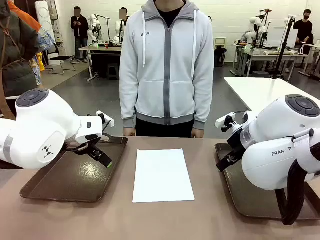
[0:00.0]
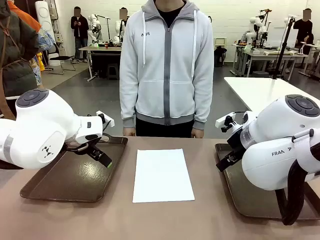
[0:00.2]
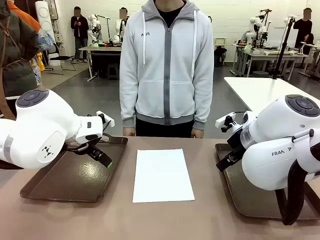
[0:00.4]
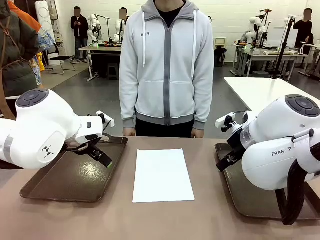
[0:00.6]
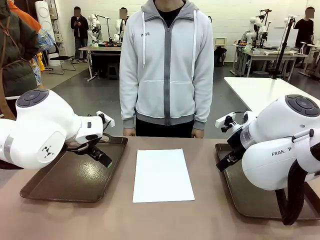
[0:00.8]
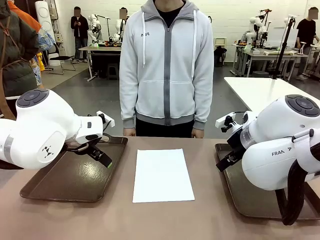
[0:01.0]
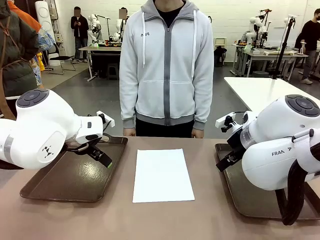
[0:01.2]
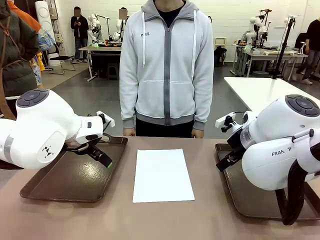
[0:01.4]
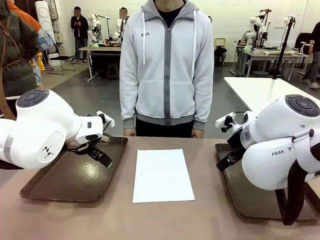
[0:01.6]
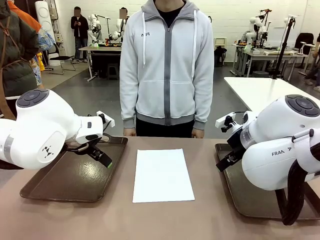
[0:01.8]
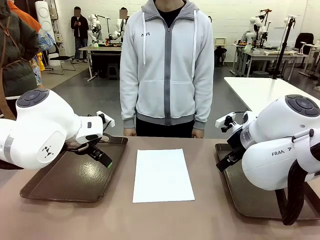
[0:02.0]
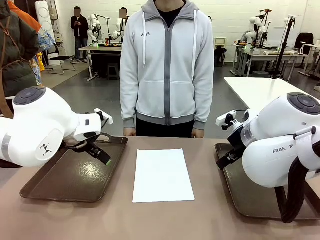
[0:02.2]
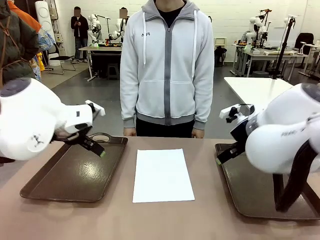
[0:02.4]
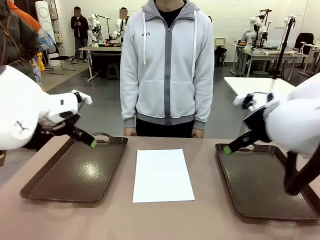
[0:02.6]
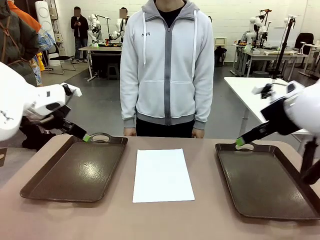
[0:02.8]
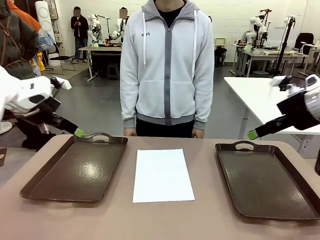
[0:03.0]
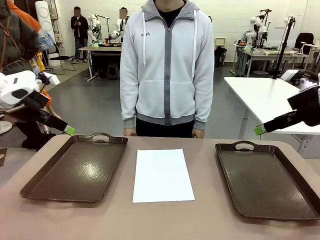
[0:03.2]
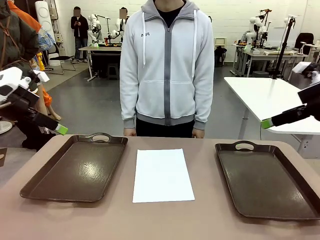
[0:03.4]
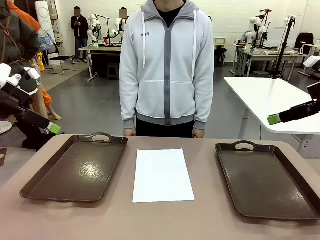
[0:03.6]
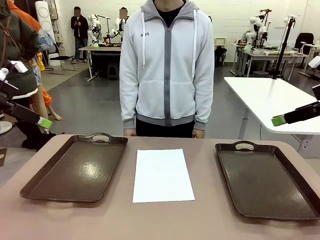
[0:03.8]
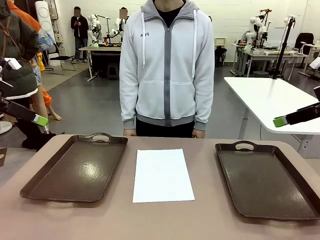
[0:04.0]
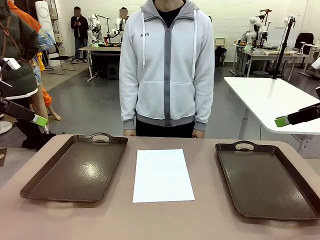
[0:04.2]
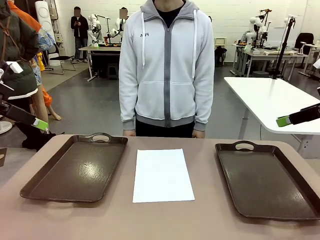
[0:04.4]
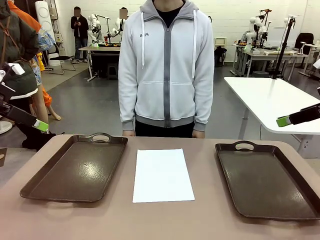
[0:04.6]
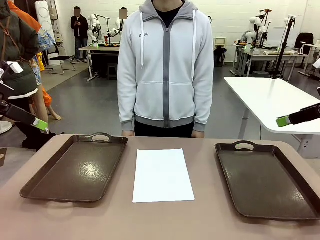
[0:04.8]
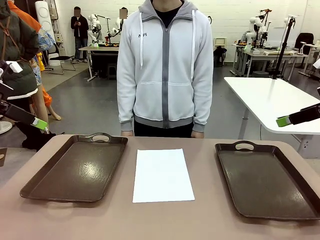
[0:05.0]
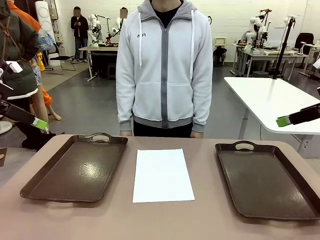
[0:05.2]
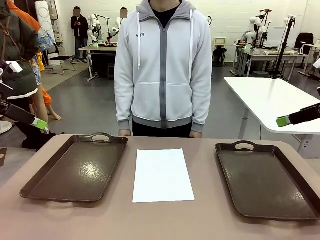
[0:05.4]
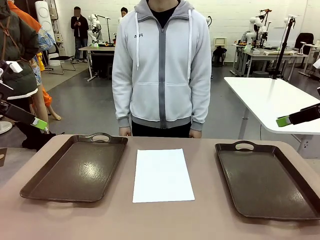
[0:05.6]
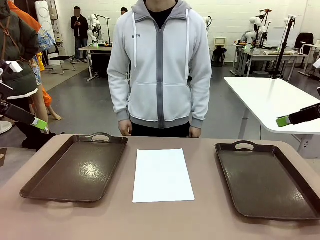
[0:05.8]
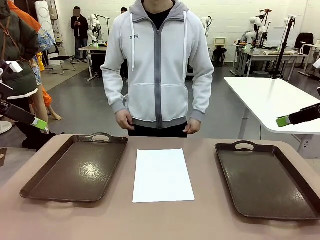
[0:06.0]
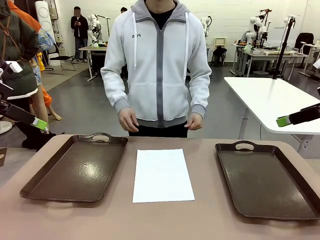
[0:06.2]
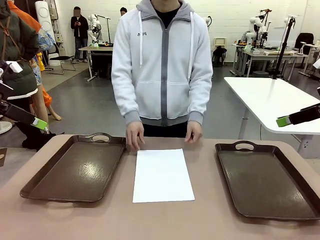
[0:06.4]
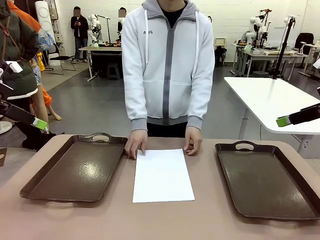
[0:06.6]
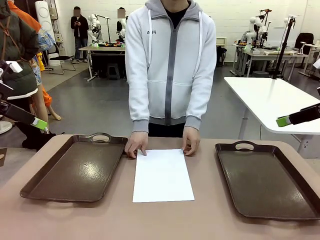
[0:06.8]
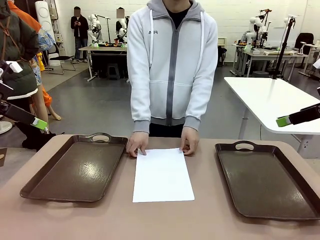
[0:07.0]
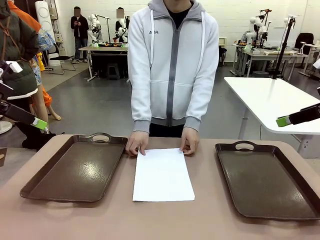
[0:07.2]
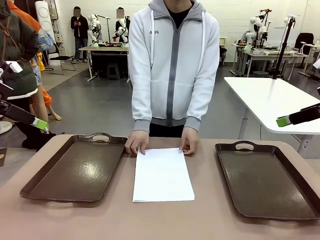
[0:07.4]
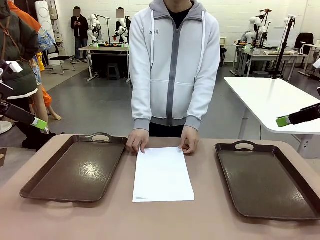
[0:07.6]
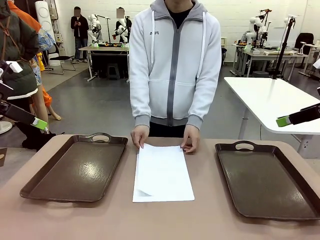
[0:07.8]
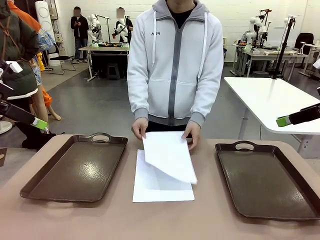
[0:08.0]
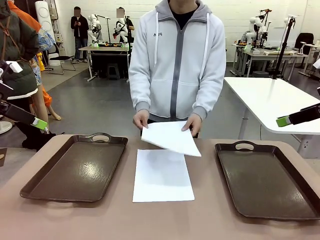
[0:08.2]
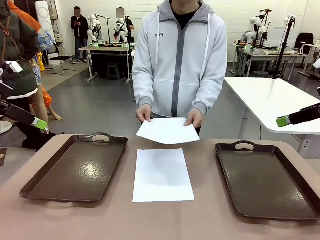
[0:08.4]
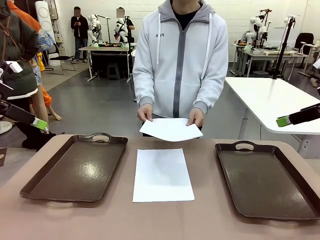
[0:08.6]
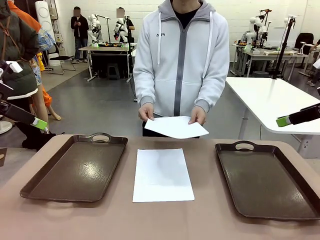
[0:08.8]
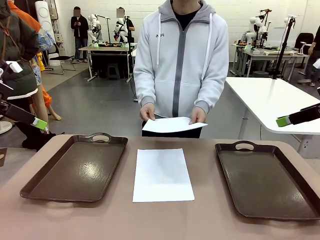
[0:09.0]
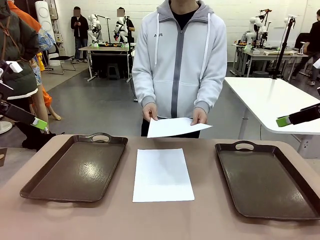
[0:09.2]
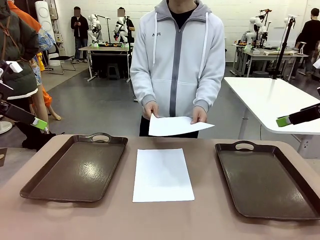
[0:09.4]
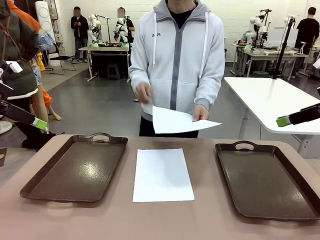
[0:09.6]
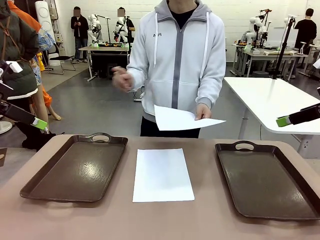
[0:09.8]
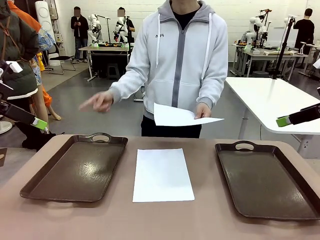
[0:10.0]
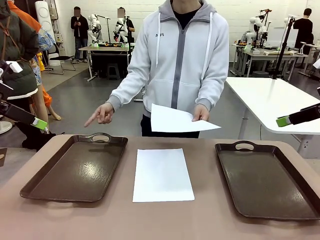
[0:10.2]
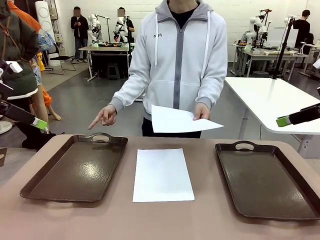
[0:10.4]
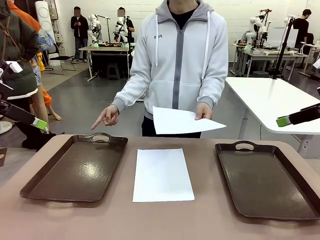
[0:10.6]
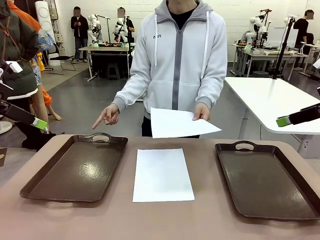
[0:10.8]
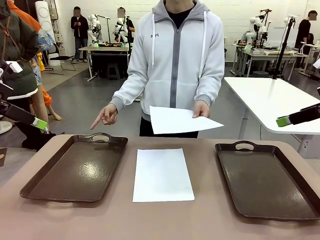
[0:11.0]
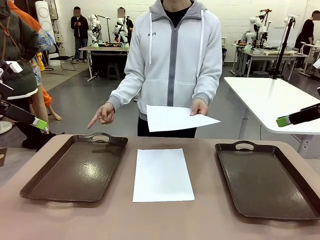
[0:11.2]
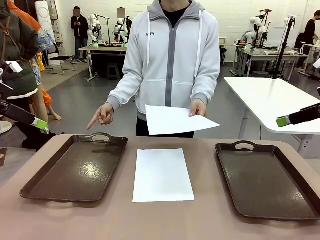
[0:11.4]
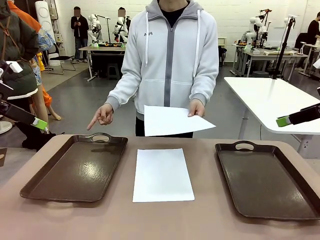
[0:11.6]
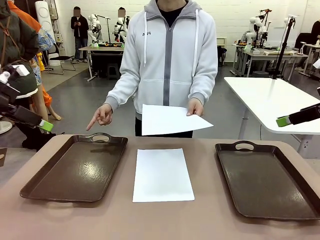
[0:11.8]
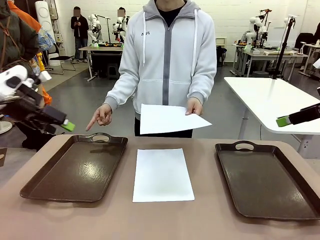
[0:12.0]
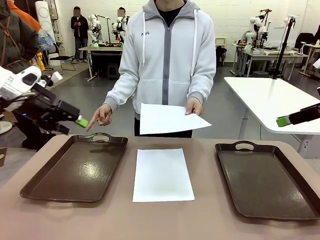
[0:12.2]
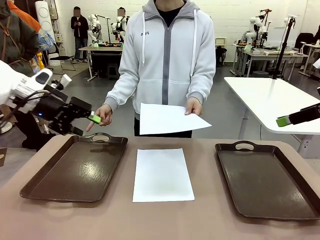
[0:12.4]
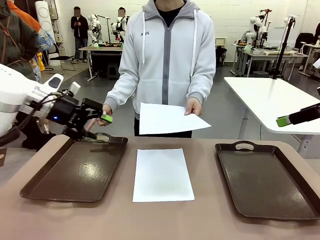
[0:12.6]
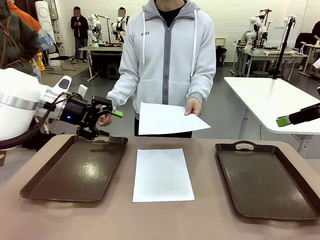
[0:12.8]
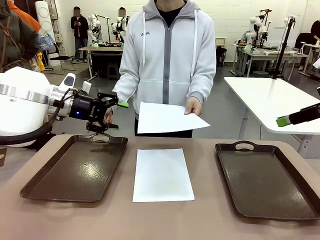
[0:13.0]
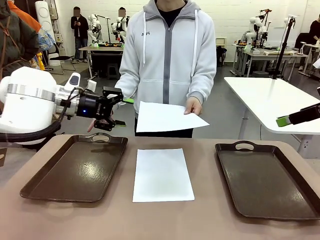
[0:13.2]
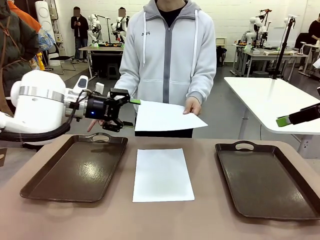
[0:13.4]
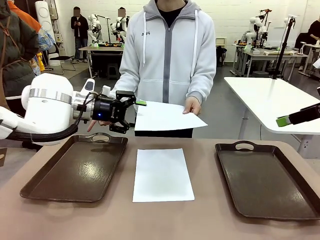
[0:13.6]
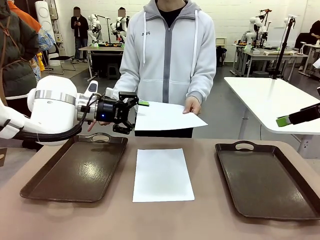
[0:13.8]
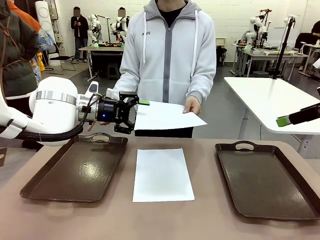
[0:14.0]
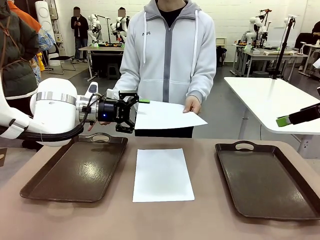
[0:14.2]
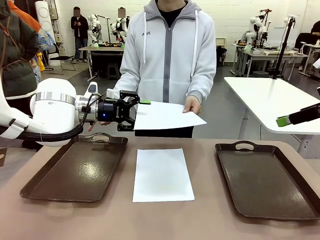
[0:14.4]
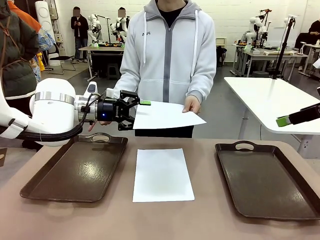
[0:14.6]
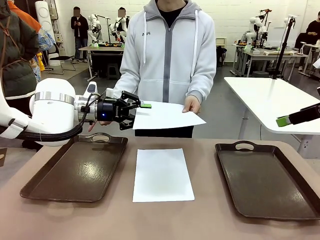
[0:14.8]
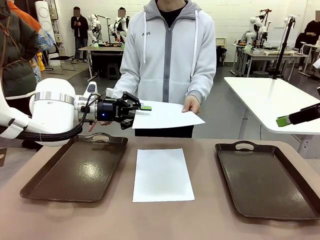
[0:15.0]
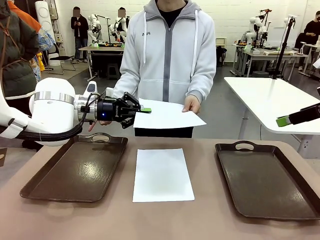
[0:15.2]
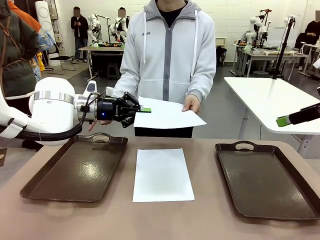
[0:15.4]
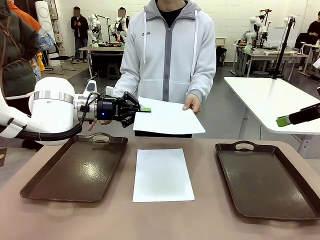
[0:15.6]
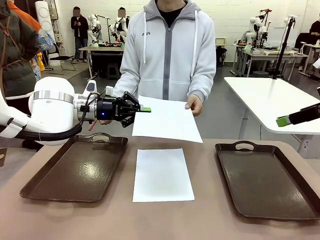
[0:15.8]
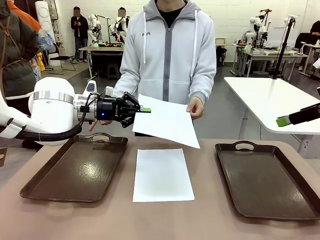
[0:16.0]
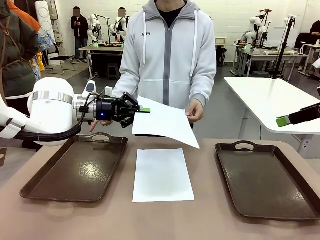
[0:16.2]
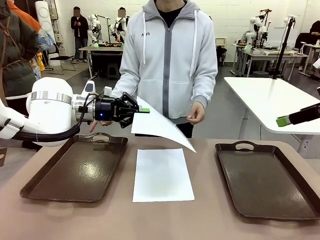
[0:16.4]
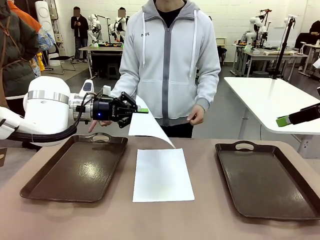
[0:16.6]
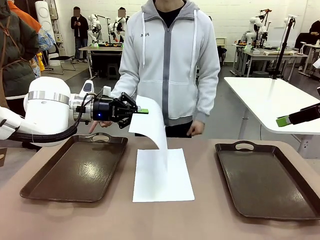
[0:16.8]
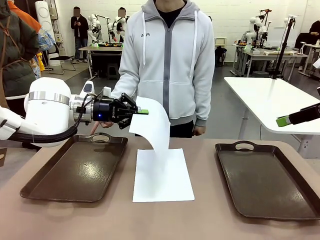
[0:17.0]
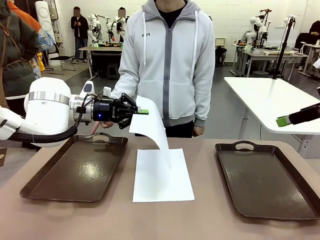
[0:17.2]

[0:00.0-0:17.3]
Task: Sort the A4 documents.
Robot: Receive the A4 Paper.
Person: Pick up a sheet of paper from the center of the table and hand it to the robot. Point the randomly selected tray with the other hand.

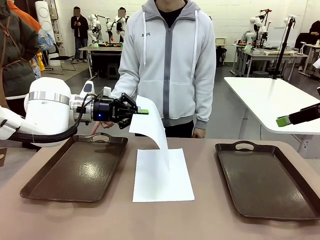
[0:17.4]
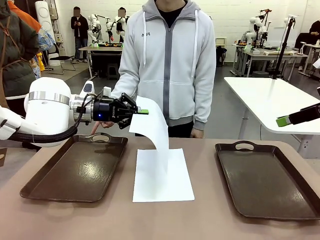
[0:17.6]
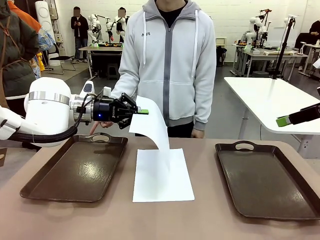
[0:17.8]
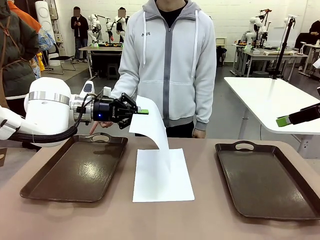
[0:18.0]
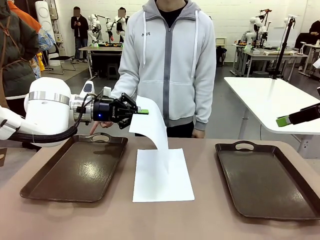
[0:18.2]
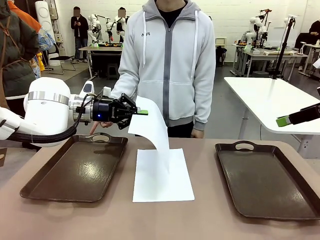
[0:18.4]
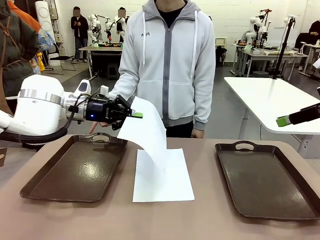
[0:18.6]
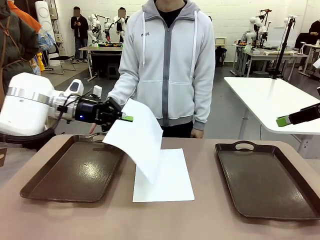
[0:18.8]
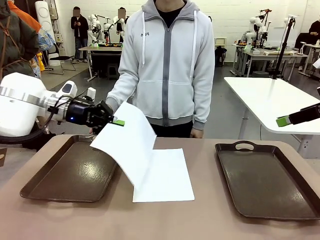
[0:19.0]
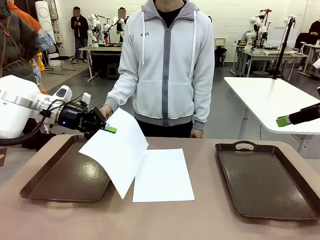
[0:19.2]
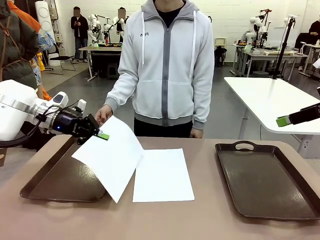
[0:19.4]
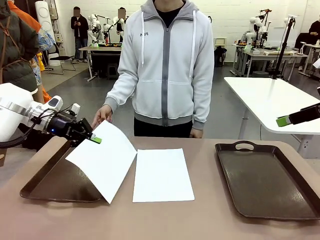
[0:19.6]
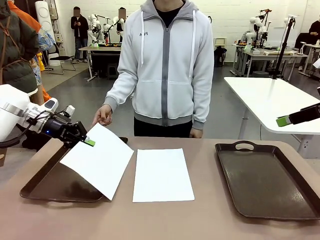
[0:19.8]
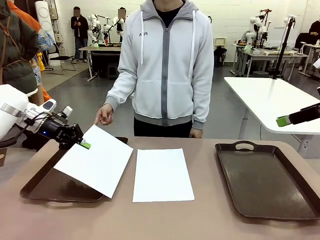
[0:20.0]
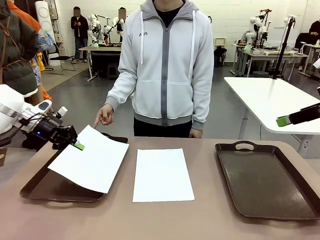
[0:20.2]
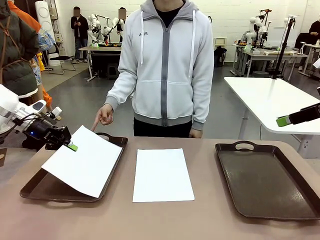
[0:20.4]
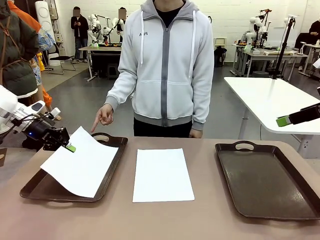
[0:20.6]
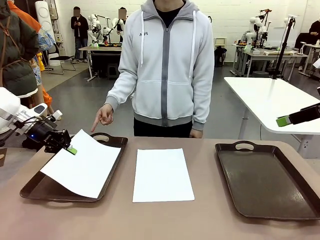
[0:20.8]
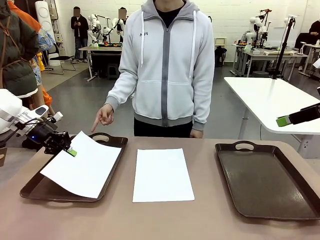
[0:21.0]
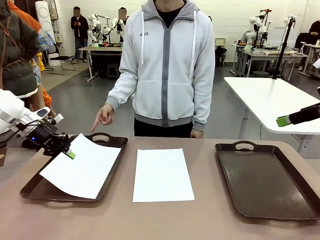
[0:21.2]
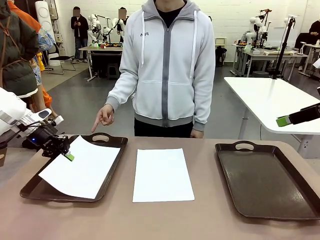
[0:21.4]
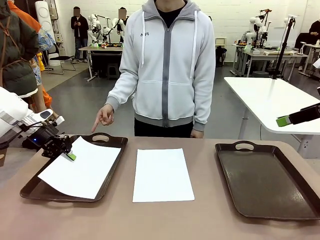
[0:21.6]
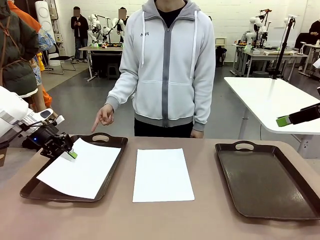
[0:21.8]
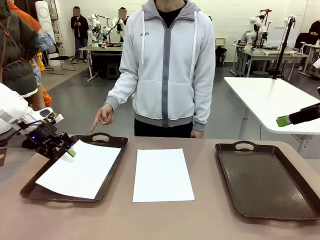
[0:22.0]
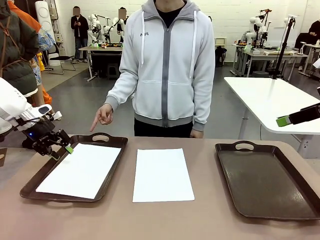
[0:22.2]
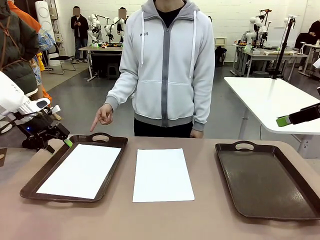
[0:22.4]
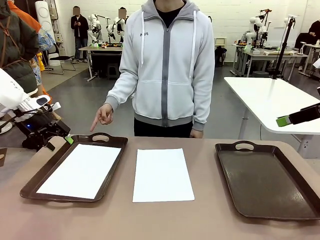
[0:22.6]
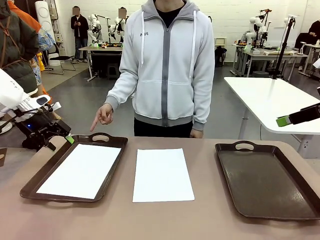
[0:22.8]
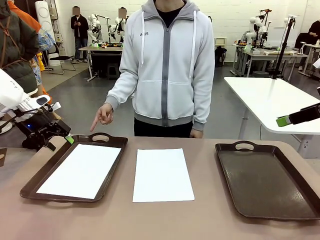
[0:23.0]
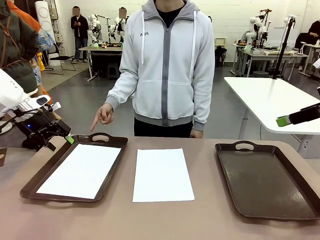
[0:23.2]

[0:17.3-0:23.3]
Robot: Place the A4 Paper in the designated Handle tray.
